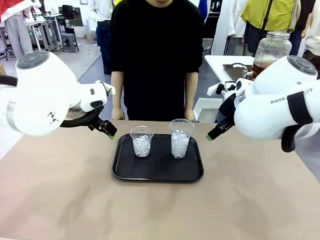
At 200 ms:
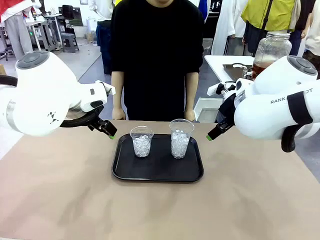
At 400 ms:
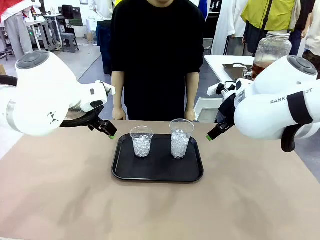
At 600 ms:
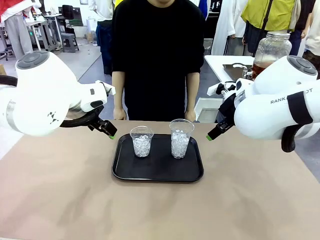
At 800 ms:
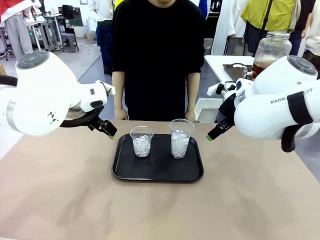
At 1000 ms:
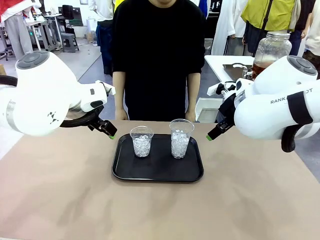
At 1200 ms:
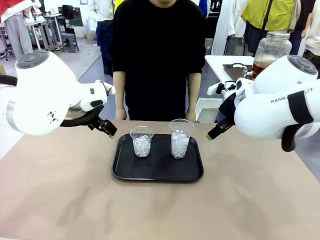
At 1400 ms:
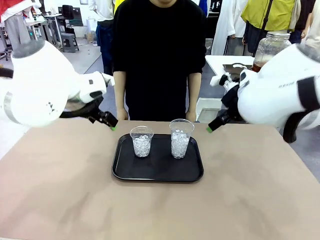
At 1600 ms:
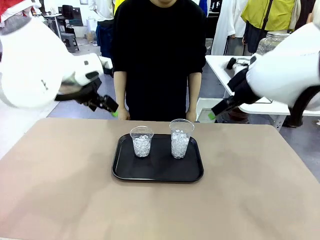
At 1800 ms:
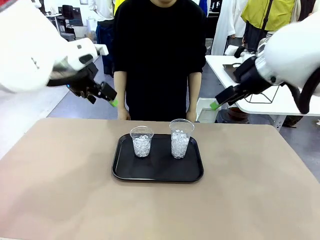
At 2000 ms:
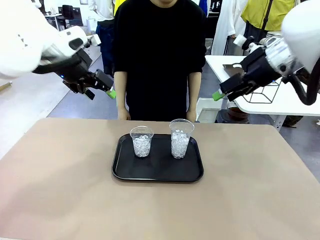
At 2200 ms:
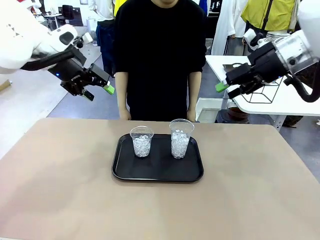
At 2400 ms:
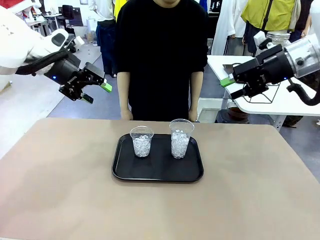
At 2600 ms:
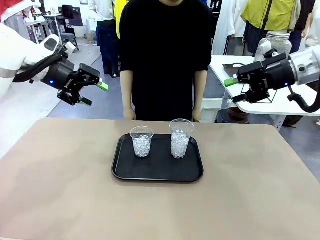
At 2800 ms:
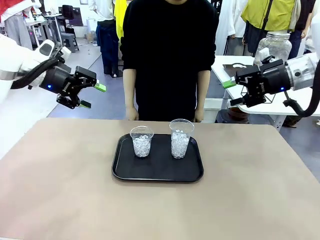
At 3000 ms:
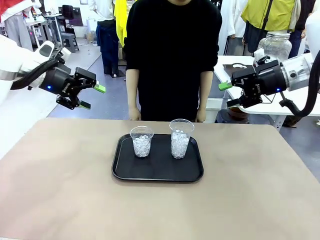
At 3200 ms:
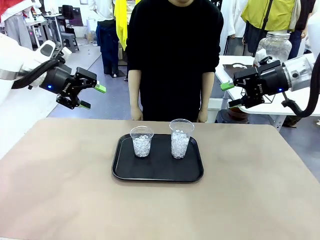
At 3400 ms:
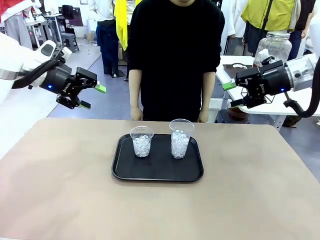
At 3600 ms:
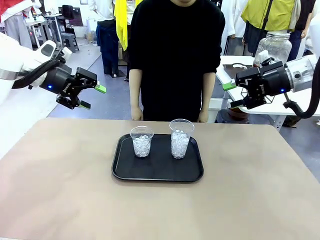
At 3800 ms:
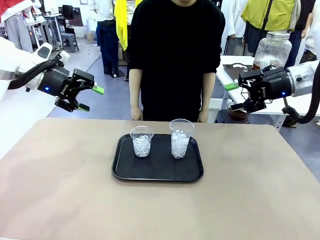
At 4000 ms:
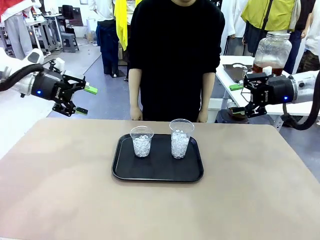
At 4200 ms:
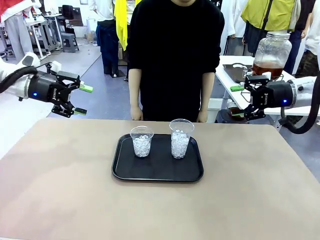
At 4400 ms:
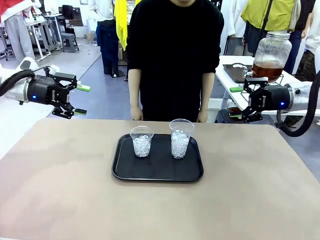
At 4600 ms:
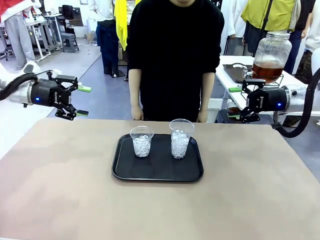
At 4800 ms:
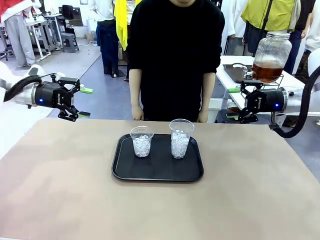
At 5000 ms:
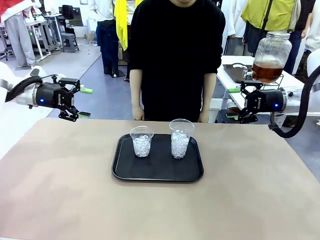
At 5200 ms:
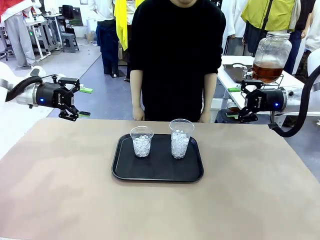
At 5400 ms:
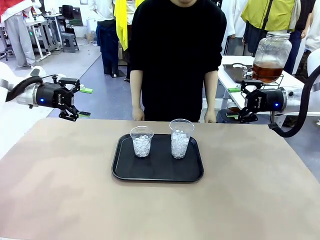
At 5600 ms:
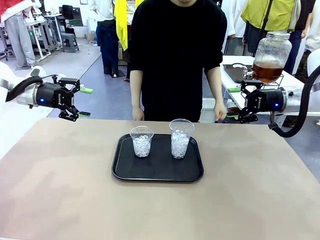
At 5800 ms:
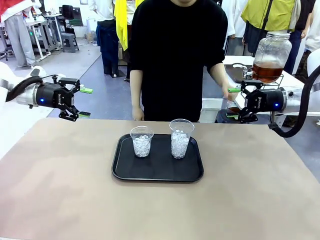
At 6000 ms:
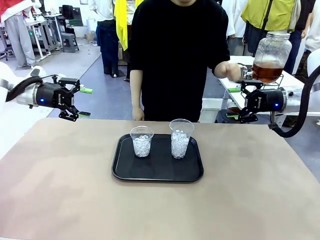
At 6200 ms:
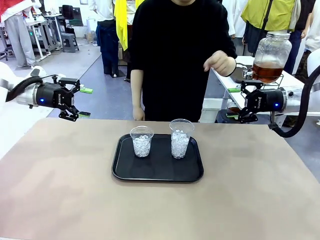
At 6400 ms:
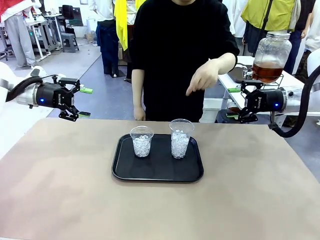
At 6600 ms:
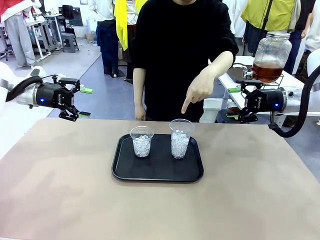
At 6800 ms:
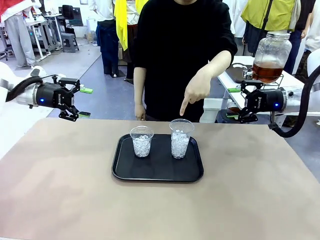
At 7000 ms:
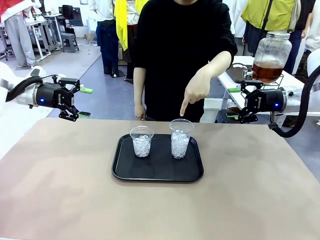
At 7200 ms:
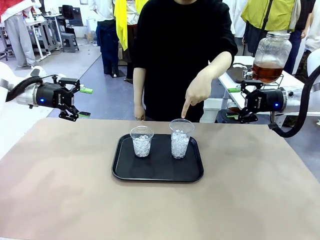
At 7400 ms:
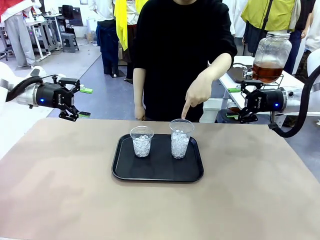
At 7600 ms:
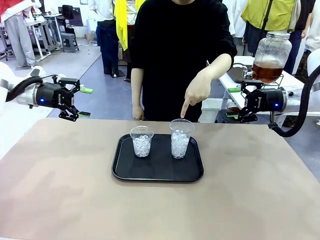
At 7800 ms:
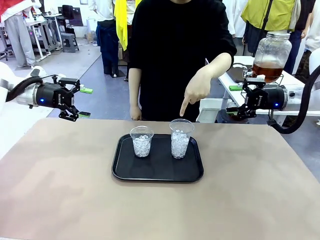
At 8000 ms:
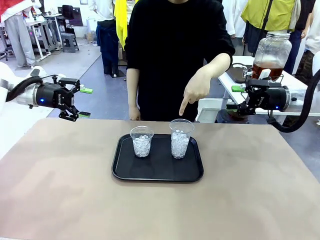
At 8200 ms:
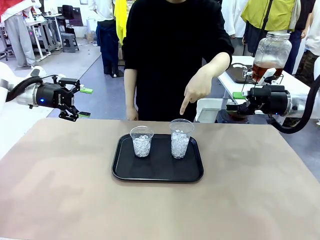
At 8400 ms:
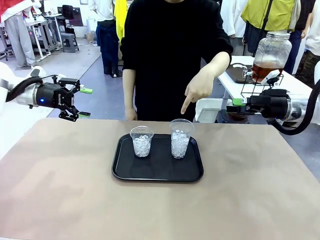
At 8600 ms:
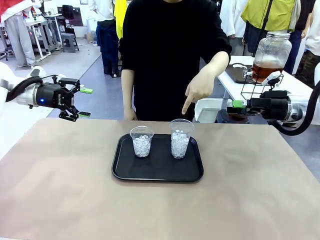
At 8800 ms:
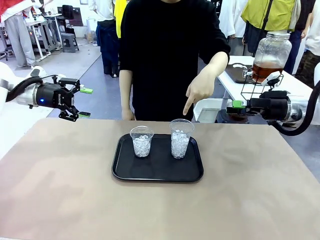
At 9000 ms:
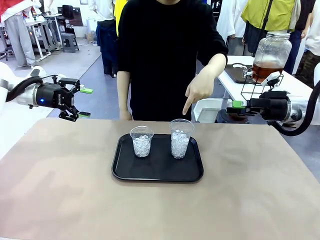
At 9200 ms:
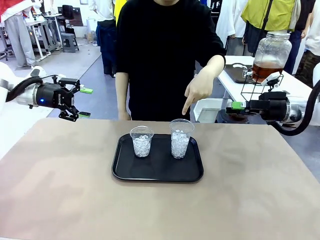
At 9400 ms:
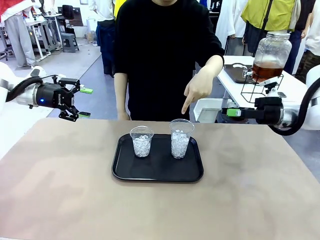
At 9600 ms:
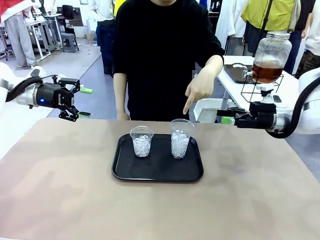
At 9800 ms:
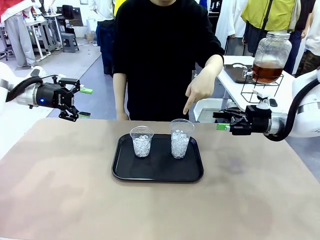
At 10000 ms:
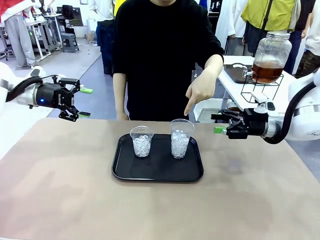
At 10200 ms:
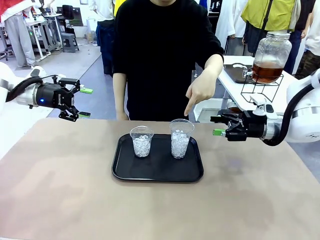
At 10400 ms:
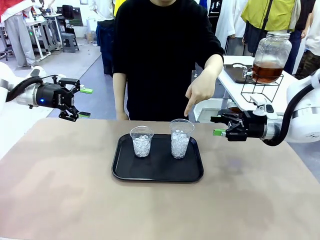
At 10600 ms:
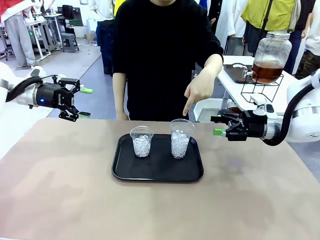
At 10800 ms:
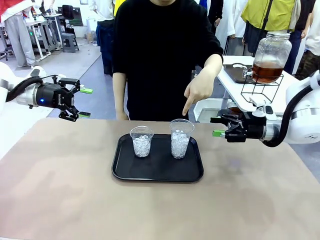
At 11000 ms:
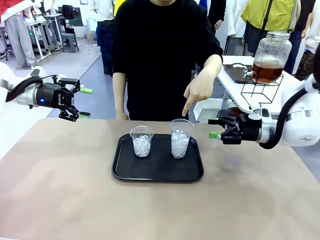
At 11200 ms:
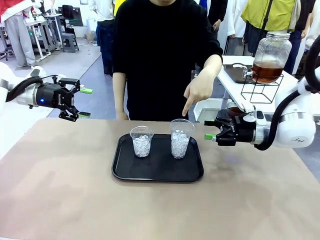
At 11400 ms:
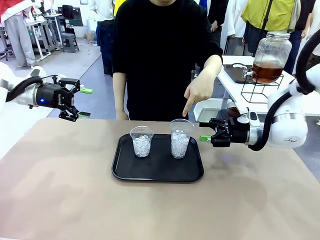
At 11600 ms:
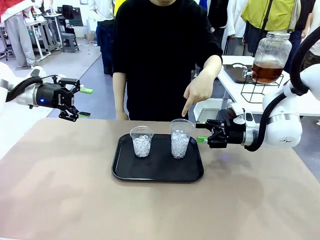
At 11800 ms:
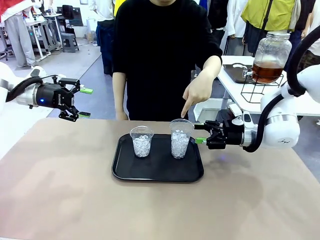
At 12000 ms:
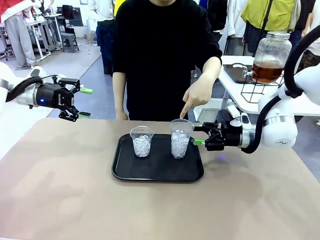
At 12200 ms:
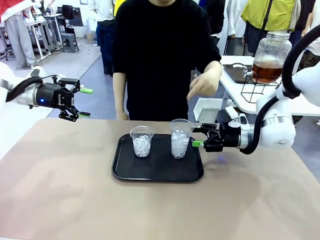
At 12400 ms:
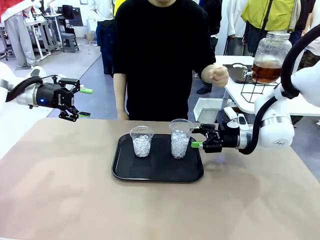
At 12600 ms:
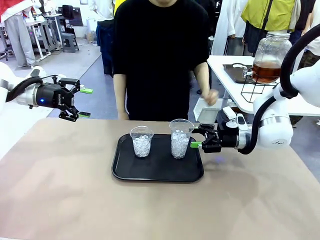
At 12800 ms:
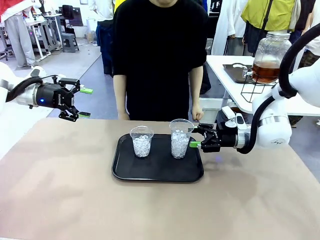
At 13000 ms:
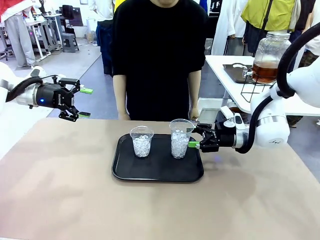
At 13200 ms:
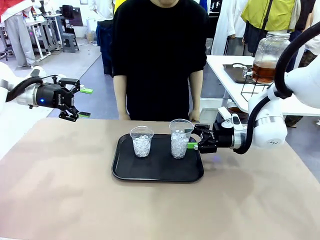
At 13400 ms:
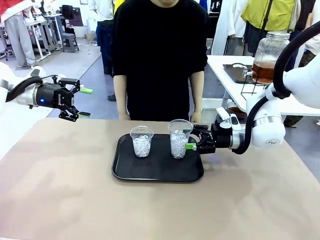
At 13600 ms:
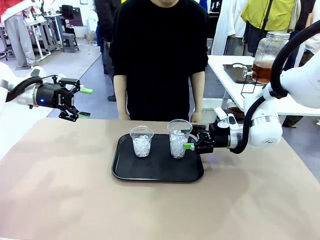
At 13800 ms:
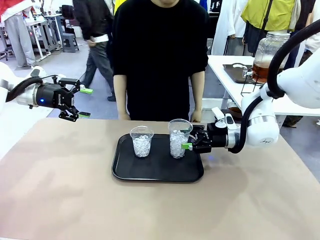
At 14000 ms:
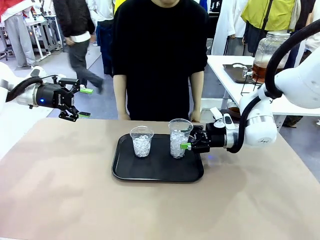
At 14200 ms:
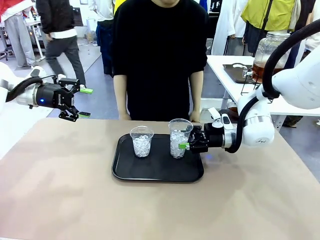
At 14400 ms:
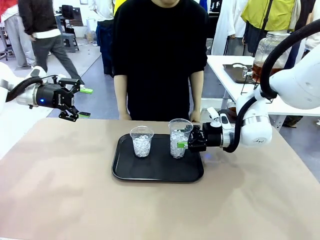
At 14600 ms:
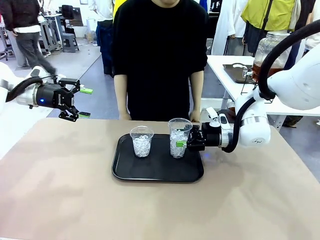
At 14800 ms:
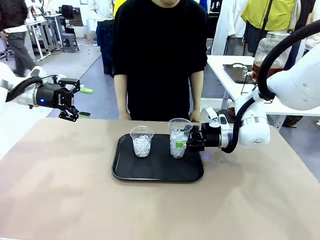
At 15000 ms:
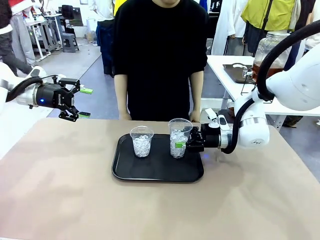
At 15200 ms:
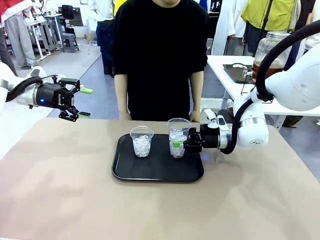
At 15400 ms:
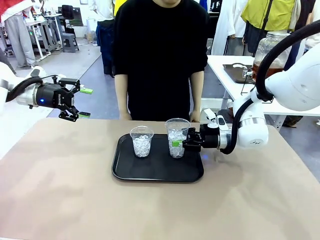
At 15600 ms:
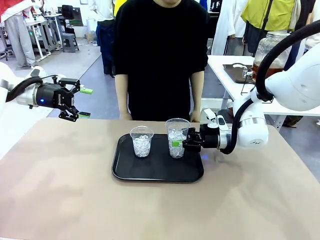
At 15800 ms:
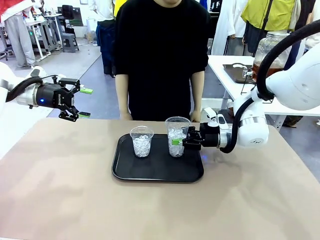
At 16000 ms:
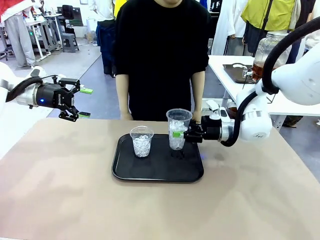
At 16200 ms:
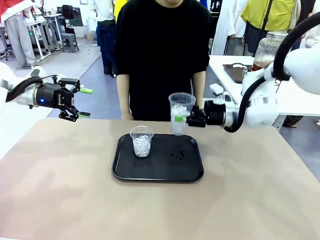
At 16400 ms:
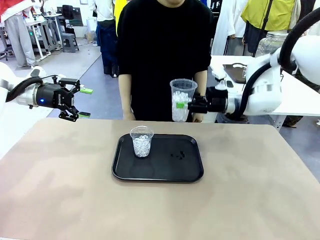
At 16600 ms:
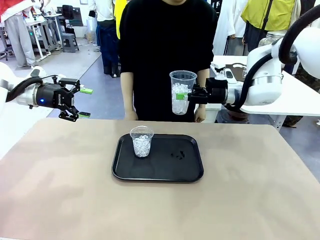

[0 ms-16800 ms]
Task: Pour the drink into the iced cup.
Robot: Pick up the iced cup indicated by the human and present it to them.
Person: Point to one of the two ice cups. Pick up the cup offered by the robot.

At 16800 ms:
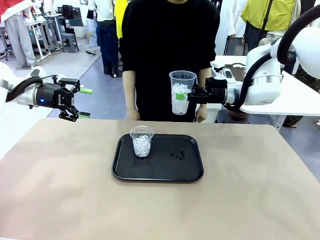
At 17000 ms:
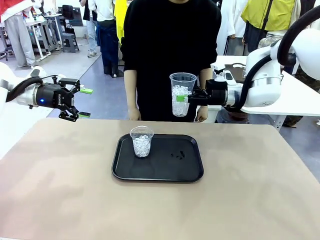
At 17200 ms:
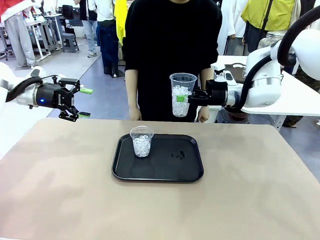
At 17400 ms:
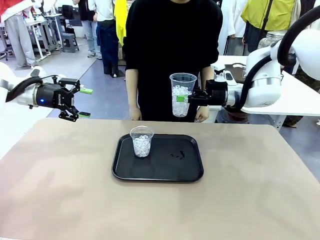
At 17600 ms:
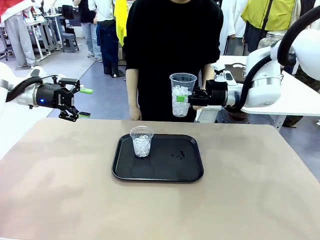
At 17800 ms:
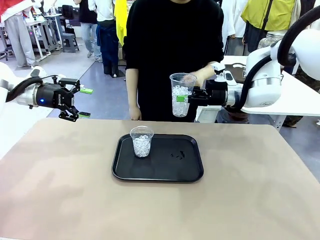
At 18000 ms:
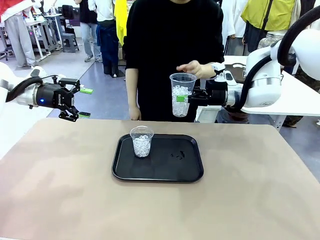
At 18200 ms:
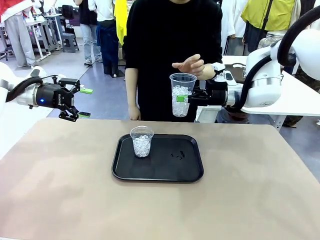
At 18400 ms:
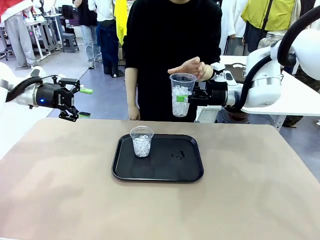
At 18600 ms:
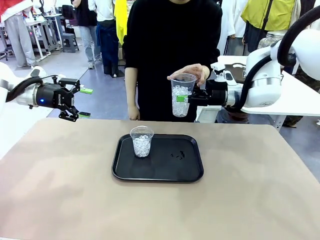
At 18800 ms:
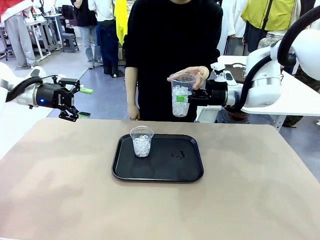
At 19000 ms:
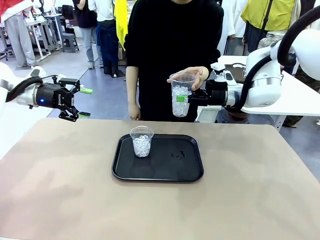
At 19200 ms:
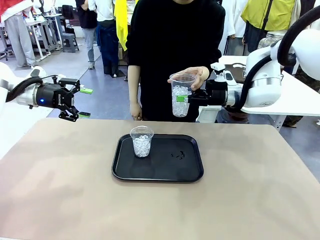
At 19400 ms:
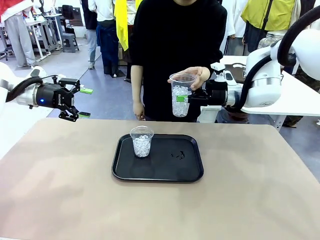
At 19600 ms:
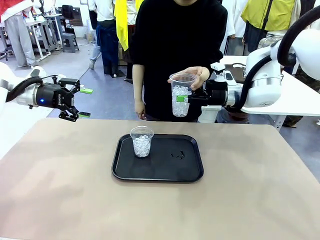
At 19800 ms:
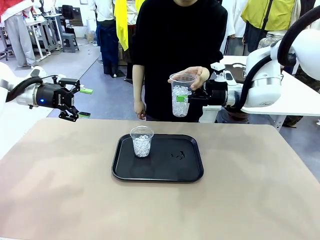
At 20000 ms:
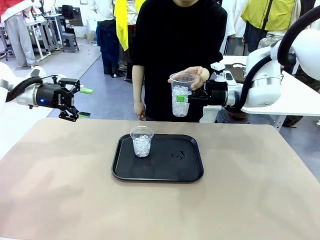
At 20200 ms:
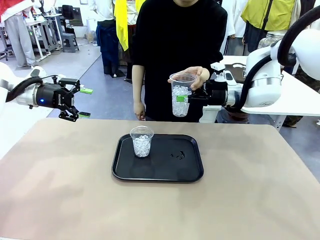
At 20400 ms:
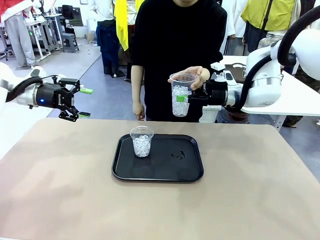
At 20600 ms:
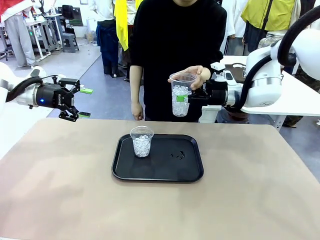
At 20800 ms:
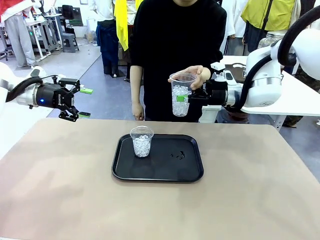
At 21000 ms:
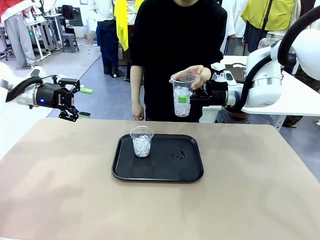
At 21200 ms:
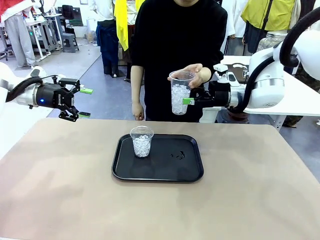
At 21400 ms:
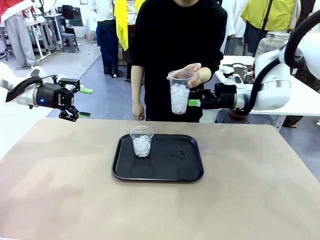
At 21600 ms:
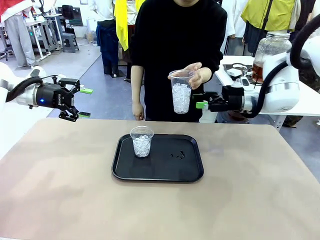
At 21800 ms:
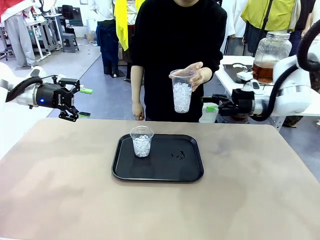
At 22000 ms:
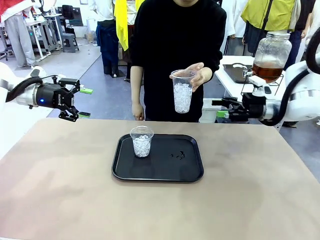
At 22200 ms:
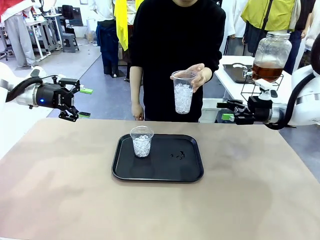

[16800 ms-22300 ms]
Robot: Open the gripper to release the iced cup you were holding.
